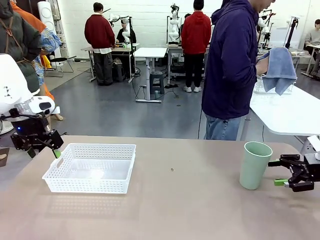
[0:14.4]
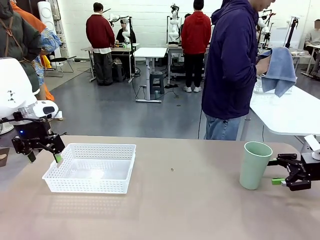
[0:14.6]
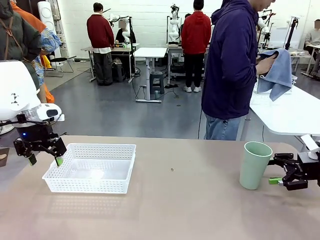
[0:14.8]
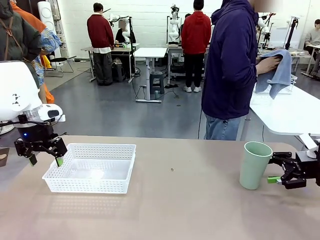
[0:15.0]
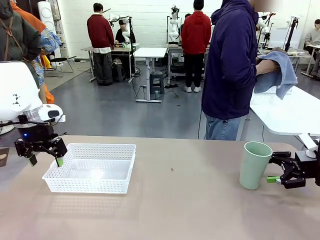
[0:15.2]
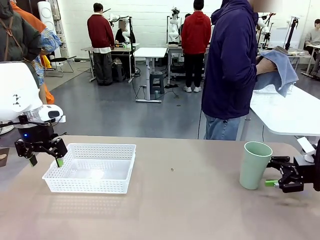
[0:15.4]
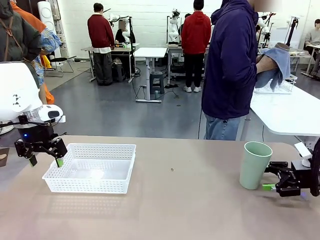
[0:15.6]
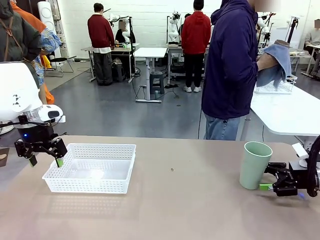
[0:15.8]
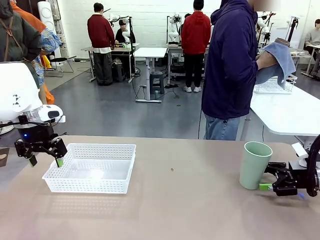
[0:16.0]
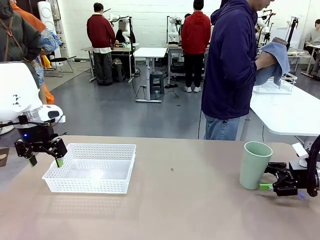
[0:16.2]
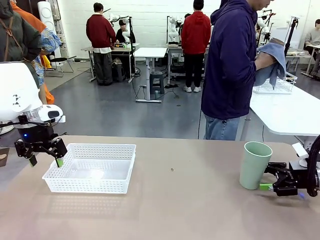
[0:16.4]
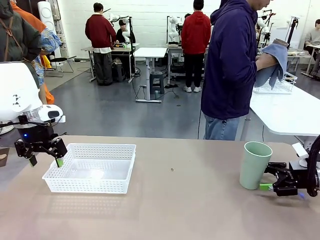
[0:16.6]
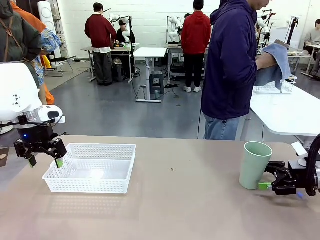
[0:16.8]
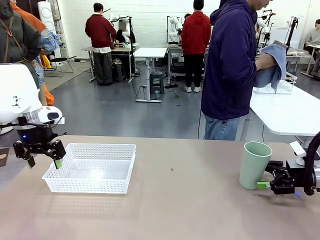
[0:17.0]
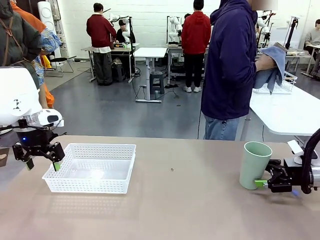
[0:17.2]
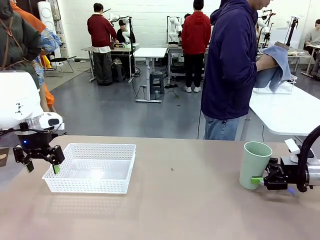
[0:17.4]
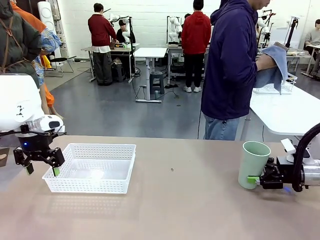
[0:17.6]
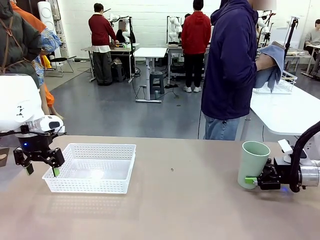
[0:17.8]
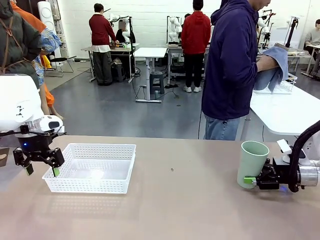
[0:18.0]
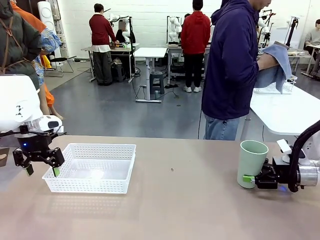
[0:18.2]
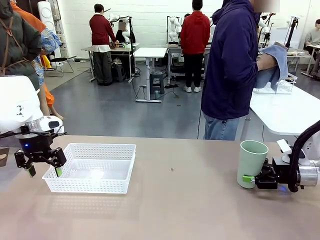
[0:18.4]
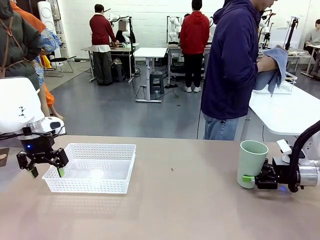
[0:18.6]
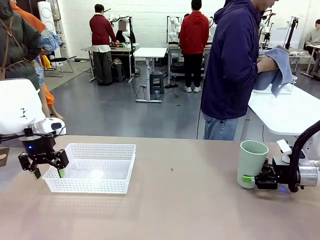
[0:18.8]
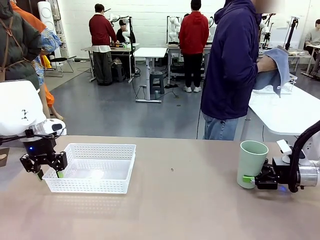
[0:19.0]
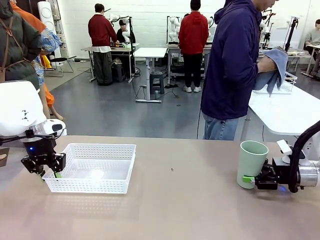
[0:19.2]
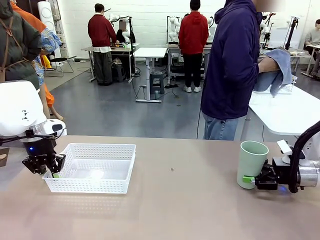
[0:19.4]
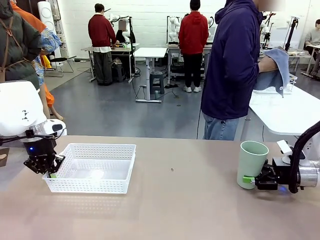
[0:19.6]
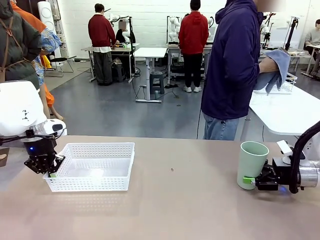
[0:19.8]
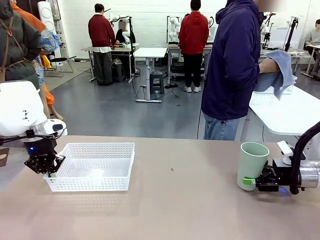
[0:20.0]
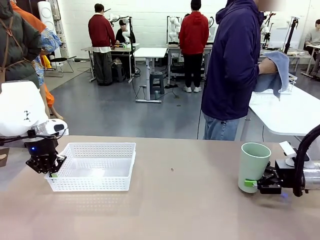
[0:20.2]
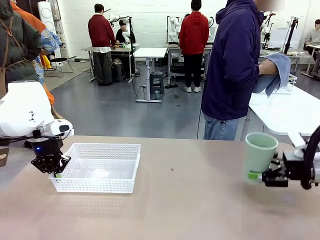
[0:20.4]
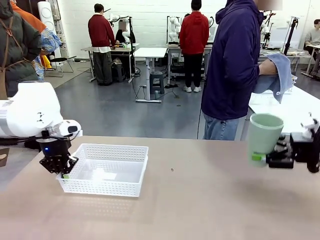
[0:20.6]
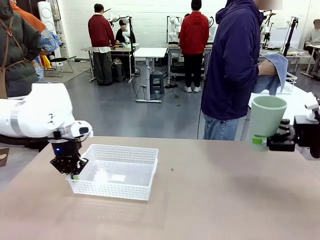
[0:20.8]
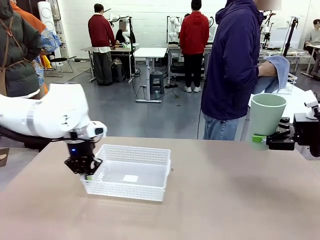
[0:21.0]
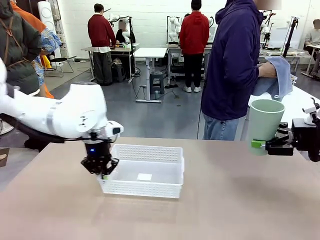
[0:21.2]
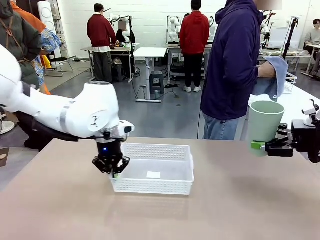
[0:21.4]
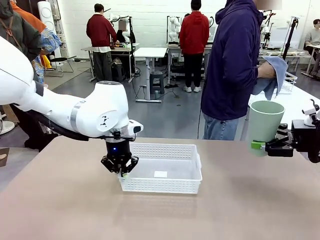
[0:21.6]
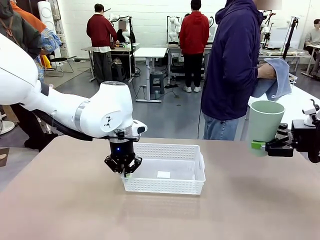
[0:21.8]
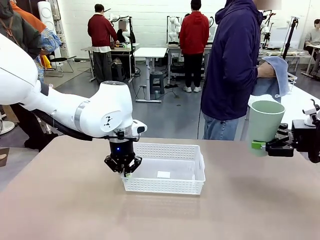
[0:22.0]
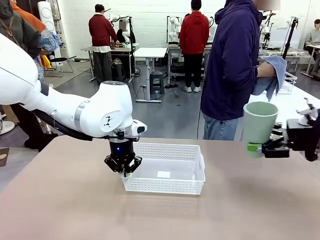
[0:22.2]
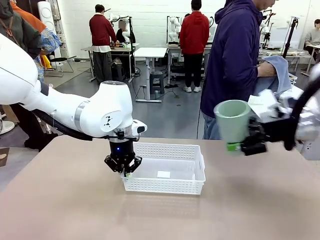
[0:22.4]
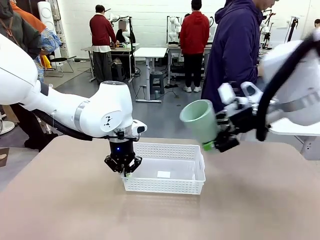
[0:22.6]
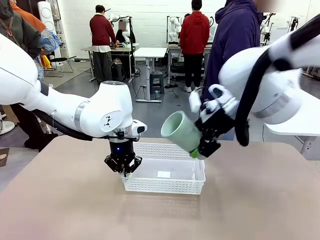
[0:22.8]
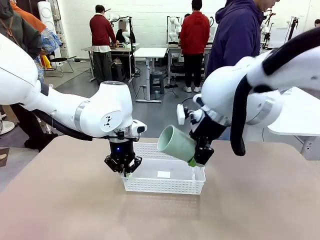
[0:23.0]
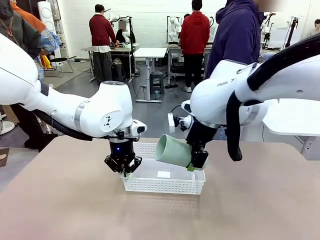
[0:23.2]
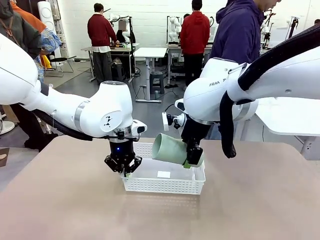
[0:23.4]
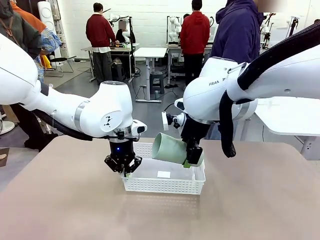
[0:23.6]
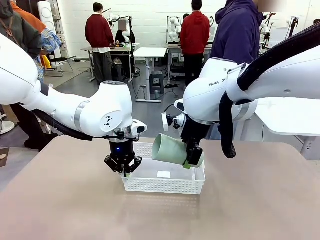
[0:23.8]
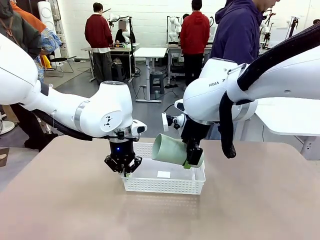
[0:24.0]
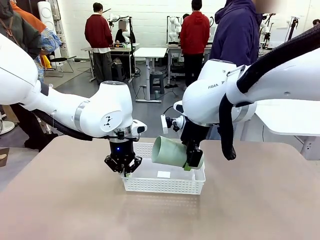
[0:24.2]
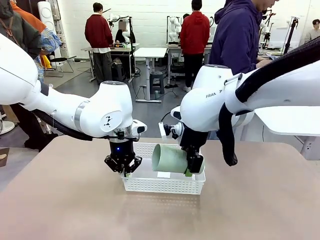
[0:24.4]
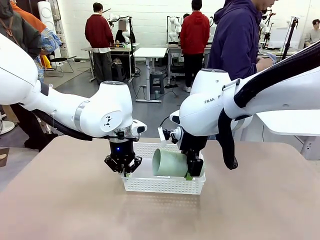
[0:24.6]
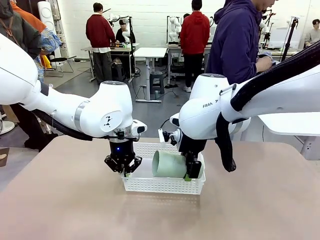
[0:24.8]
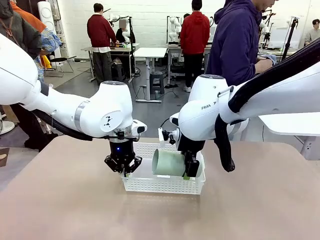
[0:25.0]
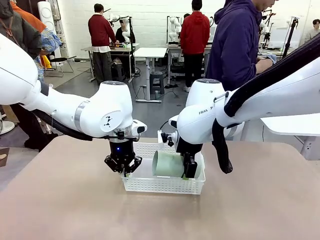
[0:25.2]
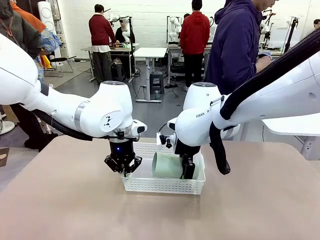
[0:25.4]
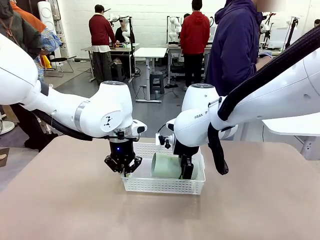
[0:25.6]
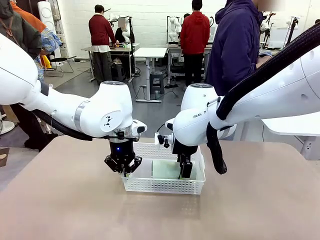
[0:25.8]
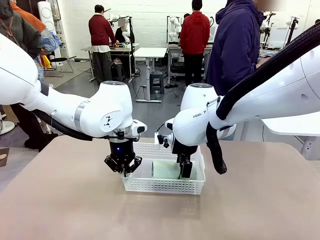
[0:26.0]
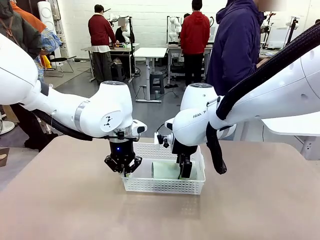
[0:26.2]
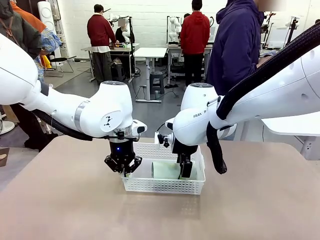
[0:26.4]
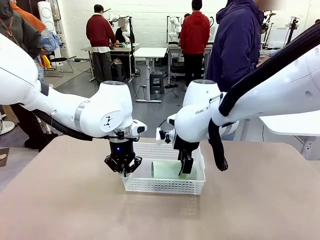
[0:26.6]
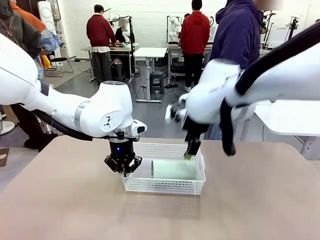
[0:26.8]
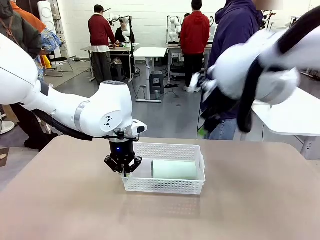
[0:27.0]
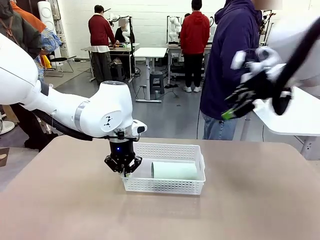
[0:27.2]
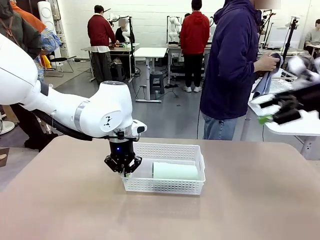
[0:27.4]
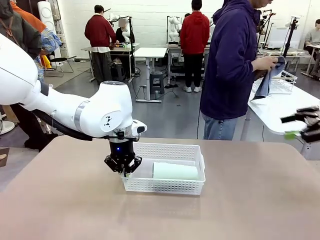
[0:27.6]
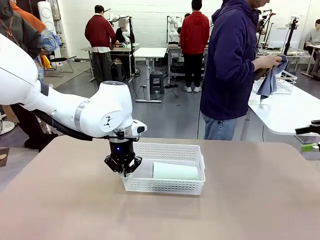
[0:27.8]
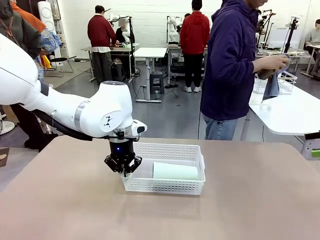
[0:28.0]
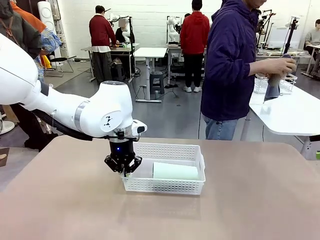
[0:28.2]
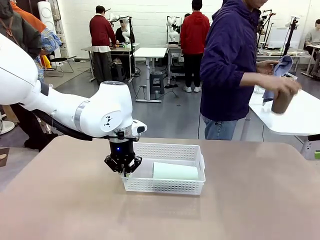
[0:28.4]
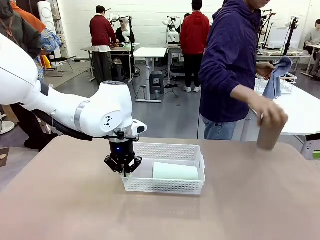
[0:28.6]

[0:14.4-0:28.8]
Task: Clean and organize the cups into the basket.
Robot: Pick up the Organizing basket and move it to the center of the table, then pick up the Reusable plastic cup from the right side of the table and place it inside the Organizing basket.
